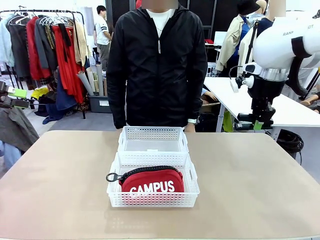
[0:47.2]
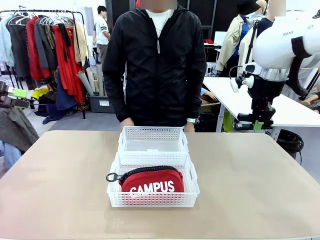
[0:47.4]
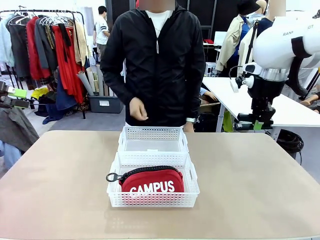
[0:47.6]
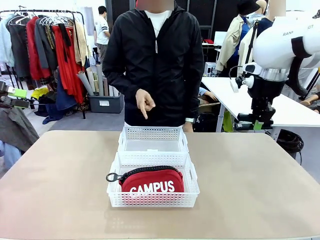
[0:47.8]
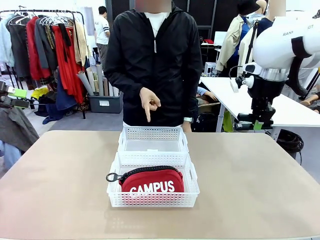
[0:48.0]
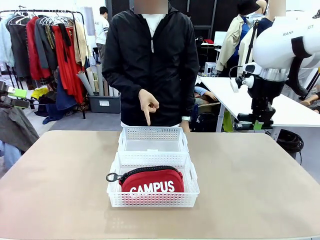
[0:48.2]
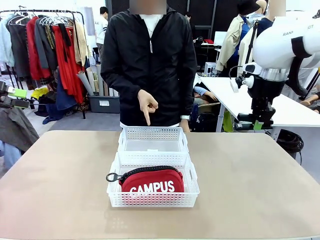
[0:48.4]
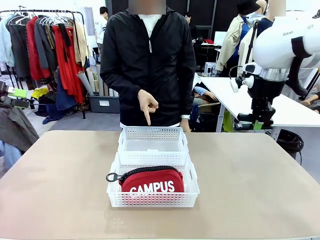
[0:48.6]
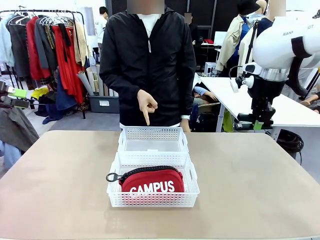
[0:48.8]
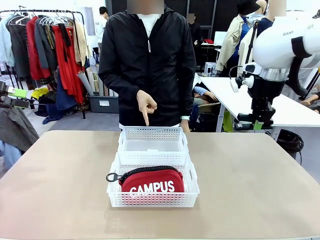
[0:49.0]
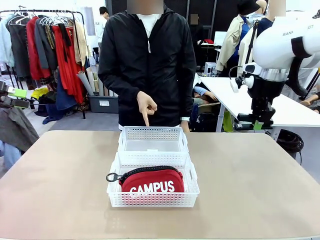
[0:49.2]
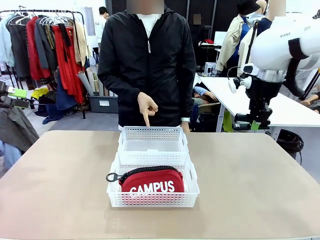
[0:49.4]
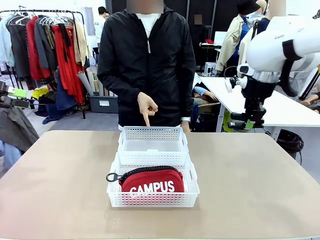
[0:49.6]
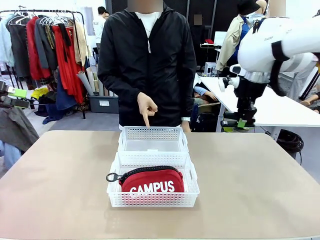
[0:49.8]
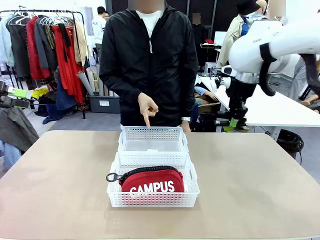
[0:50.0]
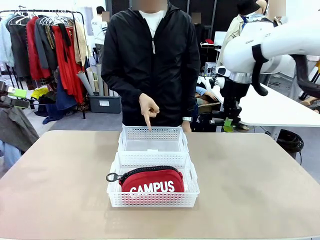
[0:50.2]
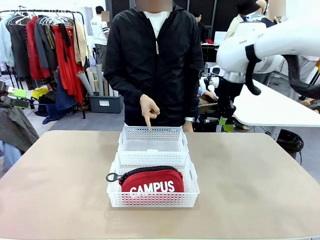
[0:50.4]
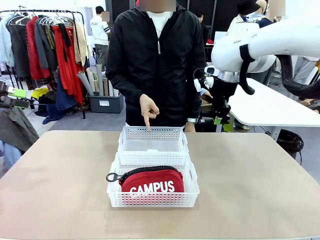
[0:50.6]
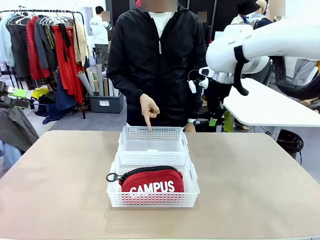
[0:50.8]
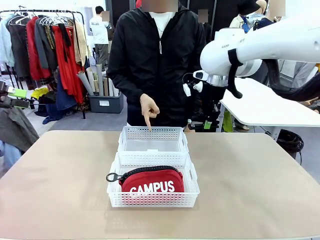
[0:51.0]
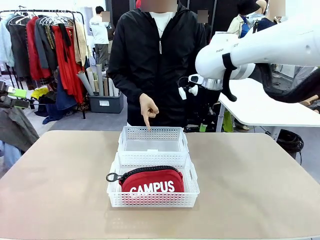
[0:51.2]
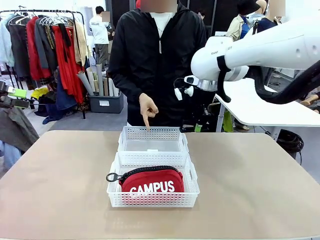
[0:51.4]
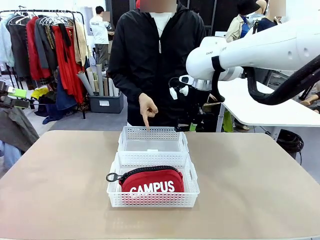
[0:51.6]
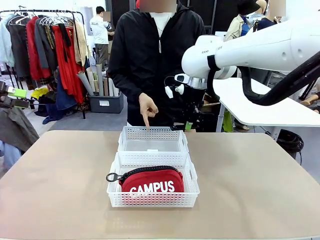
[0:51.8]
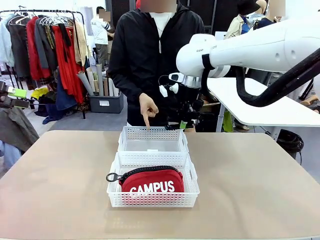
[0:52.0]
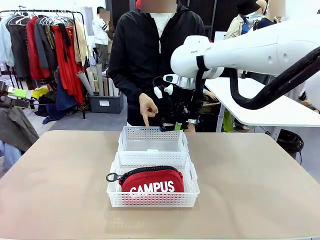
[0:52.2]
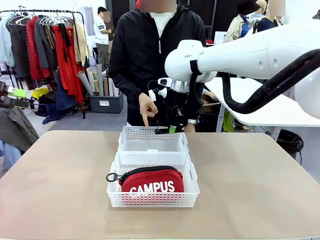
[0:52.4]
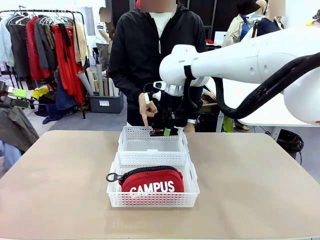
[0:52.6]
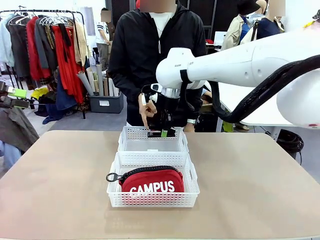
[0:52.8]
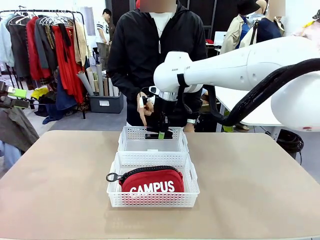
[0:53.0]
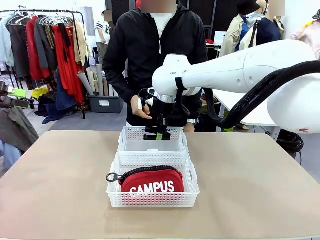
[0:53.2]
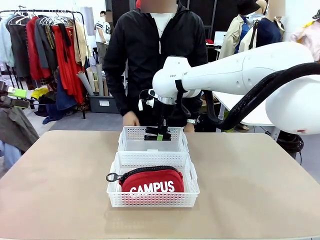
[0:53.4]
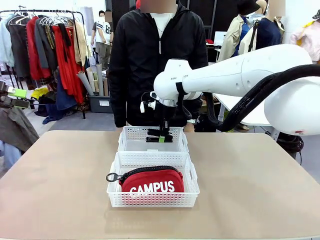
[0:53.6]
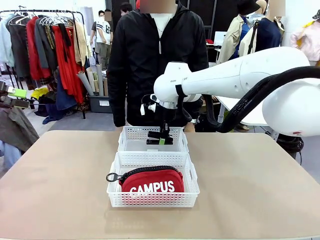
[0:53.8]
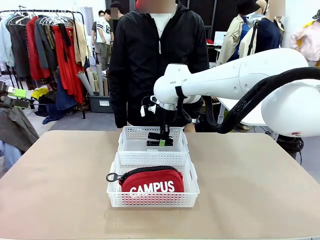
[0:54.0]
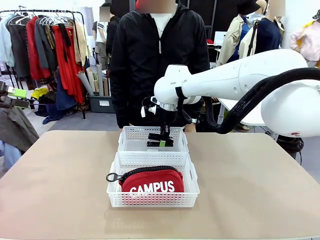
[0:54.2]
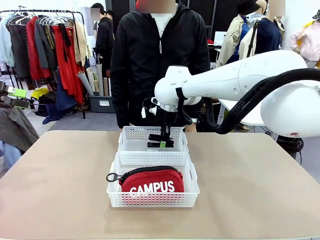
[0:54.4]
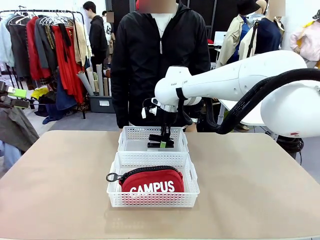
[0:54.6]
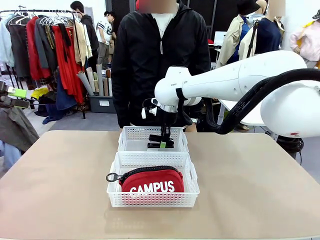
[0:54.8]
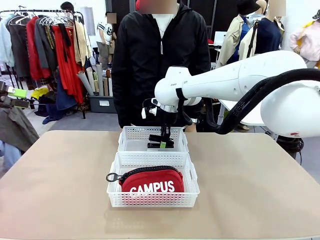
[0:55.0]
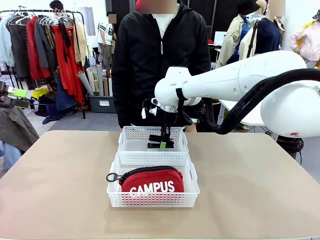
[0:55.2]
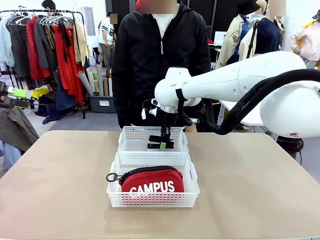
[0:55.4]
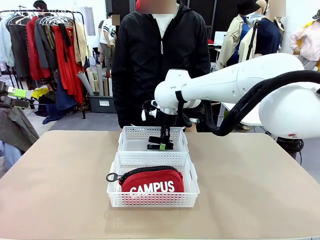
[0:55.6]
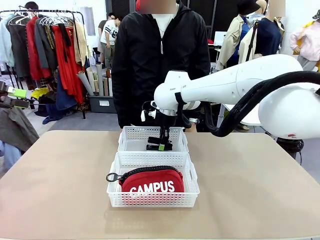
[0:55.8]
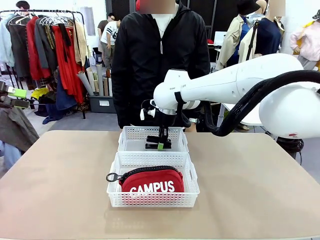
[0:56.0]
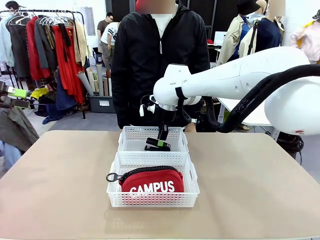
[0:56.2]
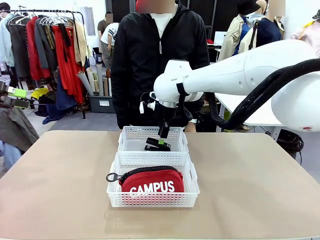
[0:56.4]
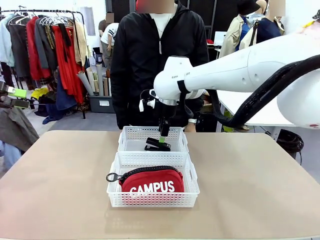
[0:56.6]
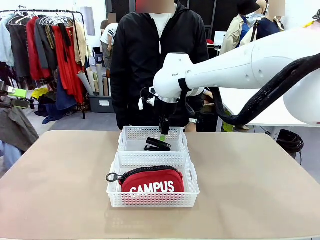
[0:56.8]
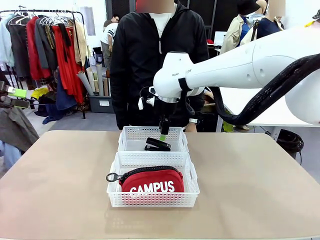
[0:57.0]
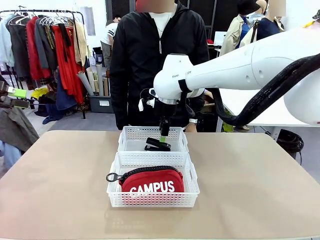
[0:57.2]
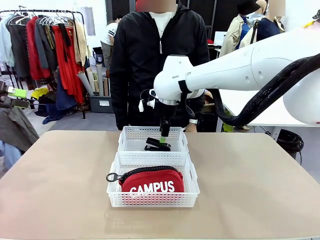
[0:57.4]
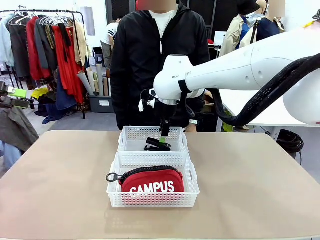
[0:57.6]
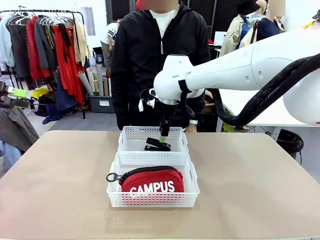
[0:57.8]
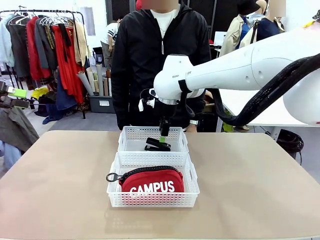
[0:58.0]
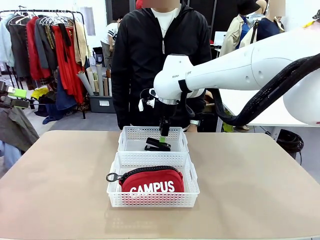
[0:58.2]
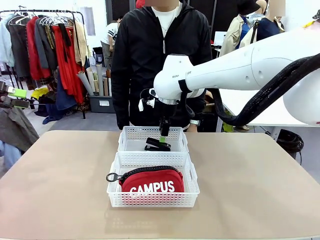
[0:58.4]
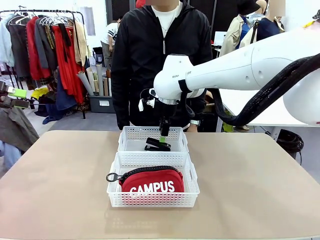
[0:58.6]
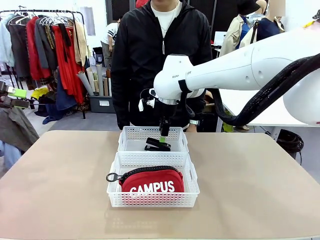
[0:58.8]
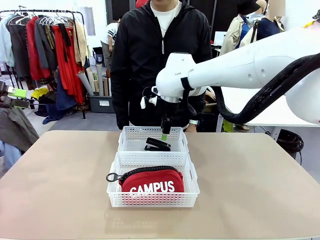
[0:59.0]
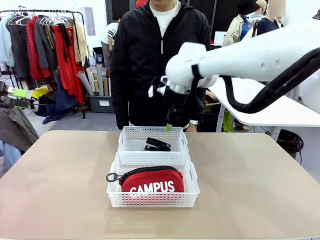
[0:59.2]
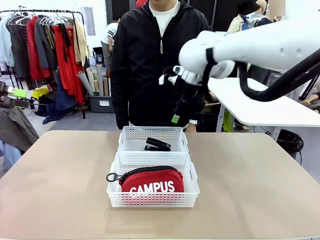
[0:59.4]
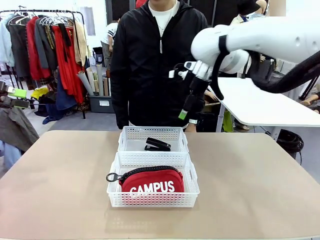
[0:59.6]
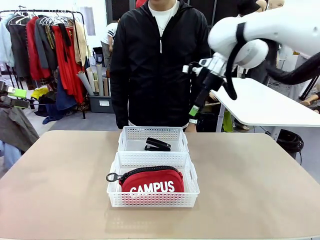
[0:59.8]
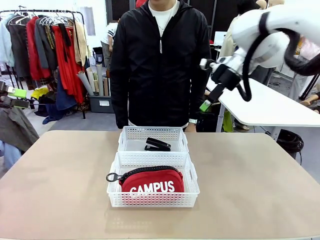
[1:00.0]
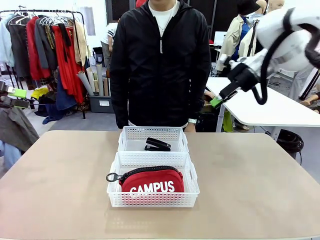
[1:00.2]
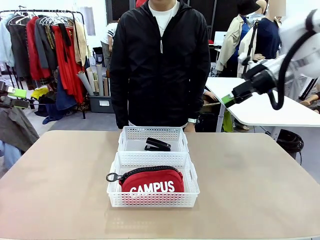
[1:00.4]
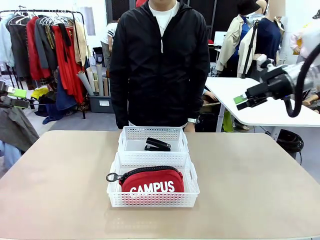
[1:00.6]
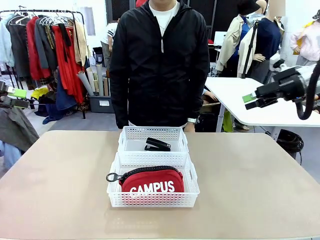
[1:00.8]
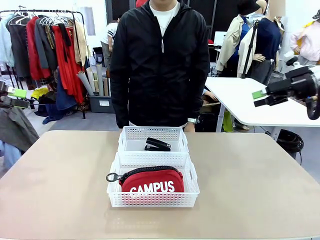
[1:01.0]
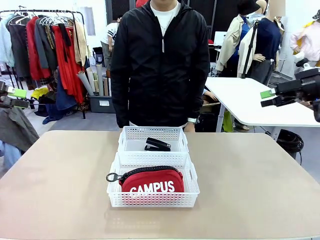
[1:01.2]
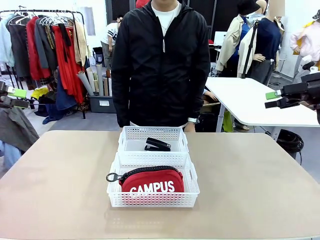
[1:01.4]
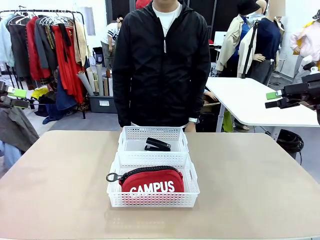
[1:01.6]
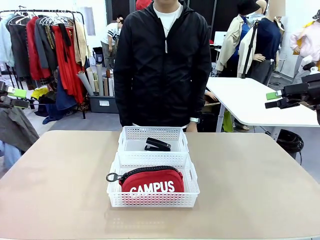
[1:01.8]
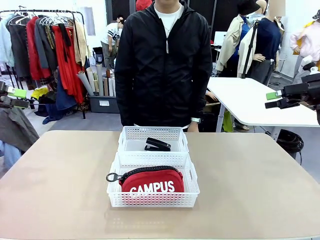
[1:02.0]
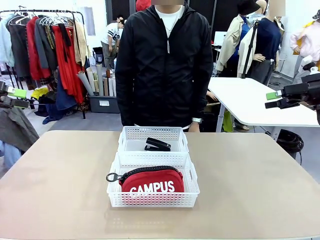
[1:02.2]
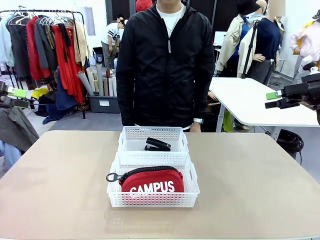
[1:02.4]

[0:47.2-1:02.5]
Task: Distribute items into two baskets.
Robot: Place the picked Stapler into the Organizing basket as instructed by the person.
Person: Points to the basket that does not contain the pencil case and instructs the robot to move the stapler there.

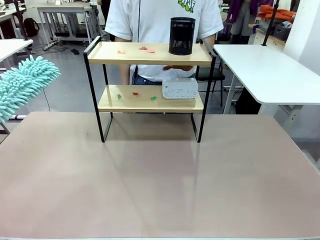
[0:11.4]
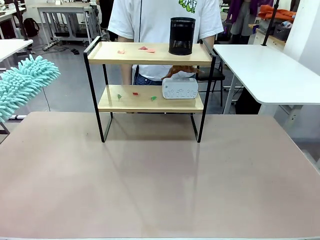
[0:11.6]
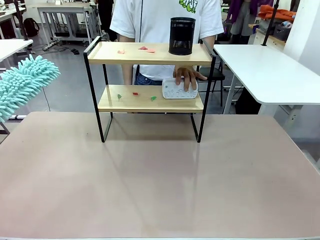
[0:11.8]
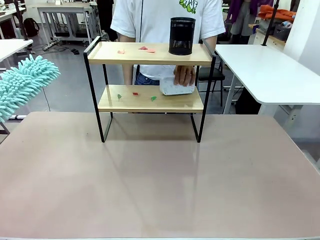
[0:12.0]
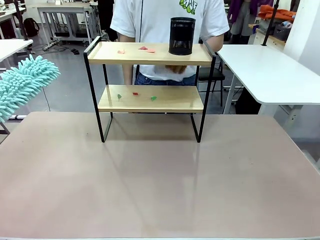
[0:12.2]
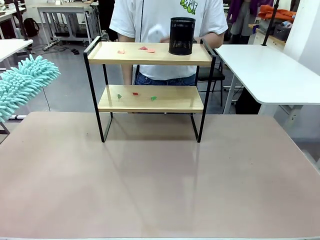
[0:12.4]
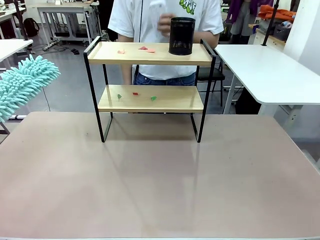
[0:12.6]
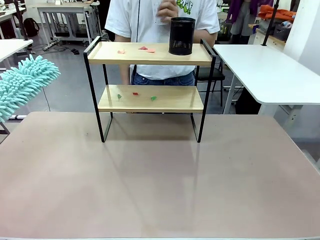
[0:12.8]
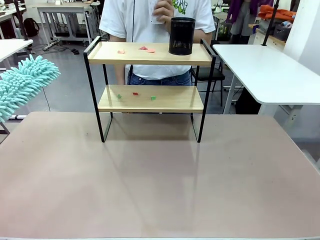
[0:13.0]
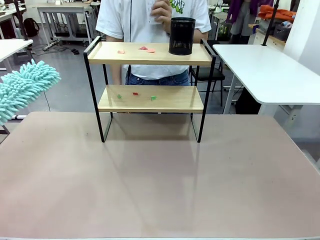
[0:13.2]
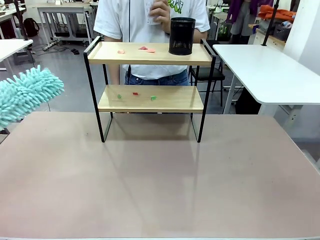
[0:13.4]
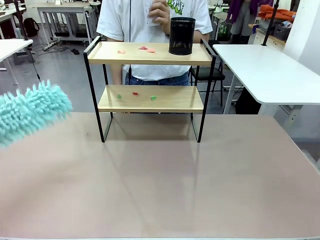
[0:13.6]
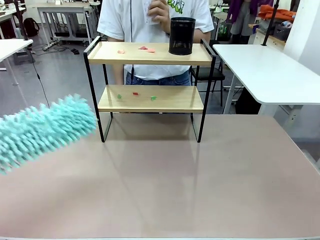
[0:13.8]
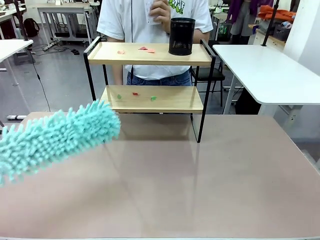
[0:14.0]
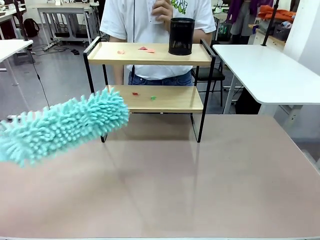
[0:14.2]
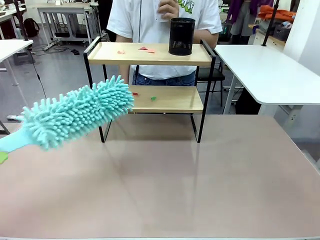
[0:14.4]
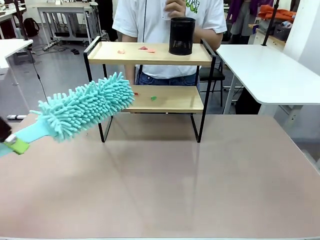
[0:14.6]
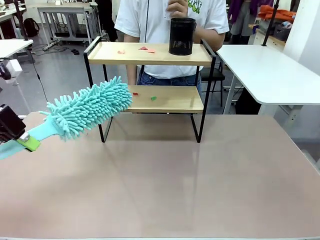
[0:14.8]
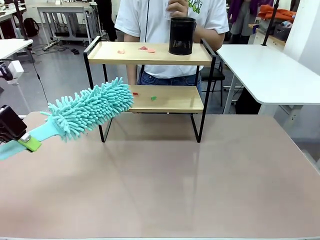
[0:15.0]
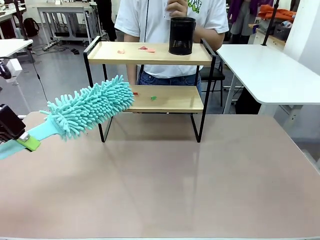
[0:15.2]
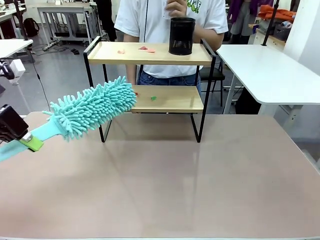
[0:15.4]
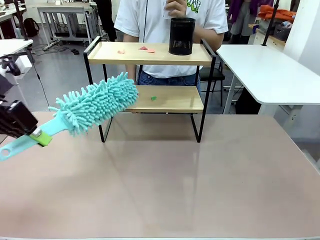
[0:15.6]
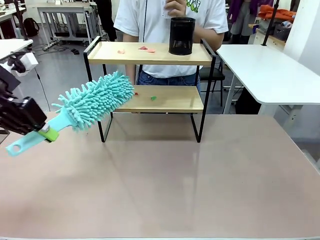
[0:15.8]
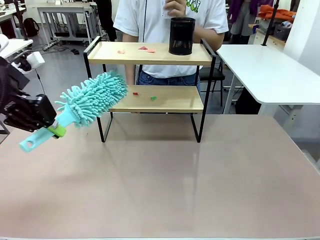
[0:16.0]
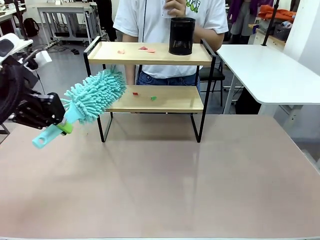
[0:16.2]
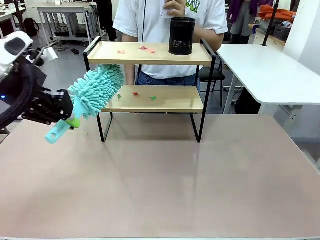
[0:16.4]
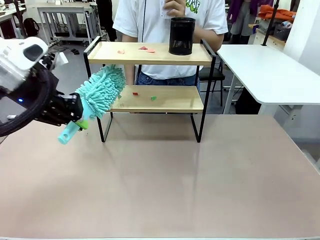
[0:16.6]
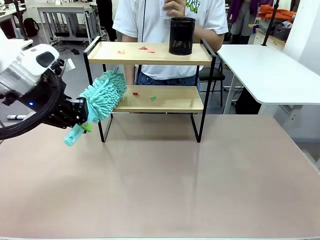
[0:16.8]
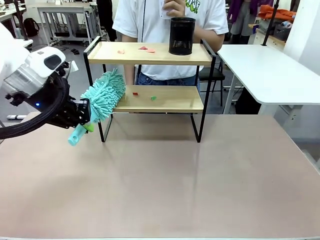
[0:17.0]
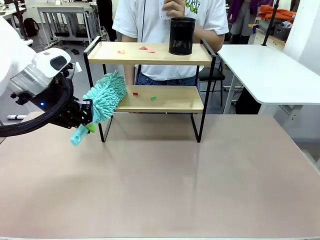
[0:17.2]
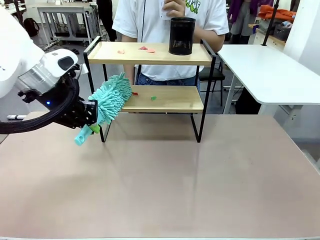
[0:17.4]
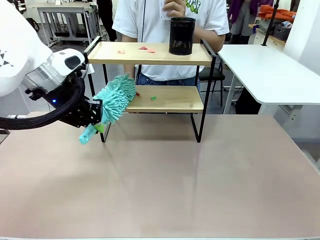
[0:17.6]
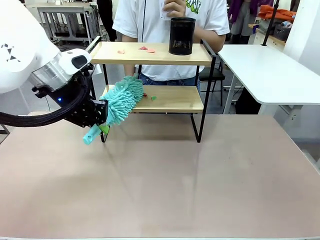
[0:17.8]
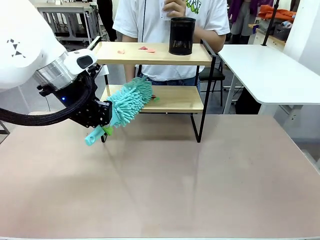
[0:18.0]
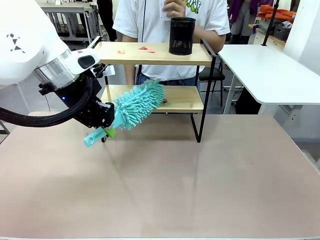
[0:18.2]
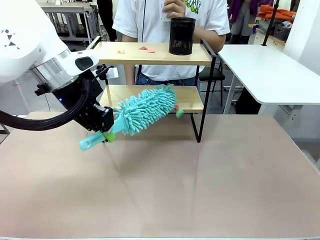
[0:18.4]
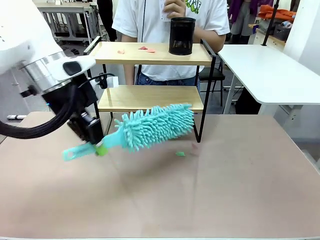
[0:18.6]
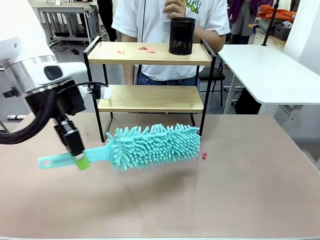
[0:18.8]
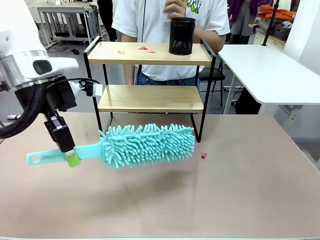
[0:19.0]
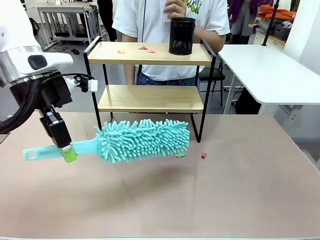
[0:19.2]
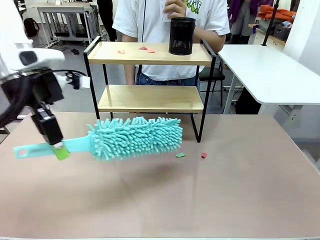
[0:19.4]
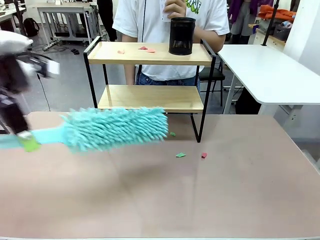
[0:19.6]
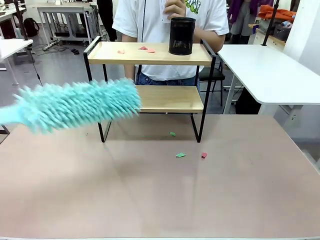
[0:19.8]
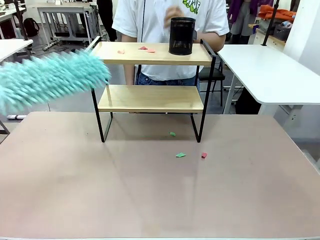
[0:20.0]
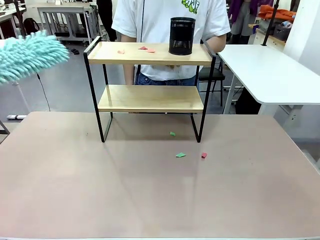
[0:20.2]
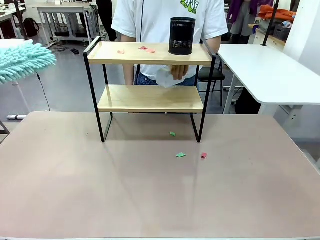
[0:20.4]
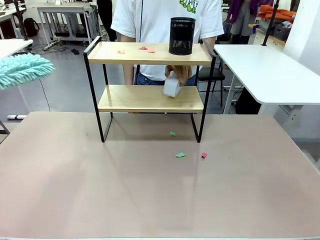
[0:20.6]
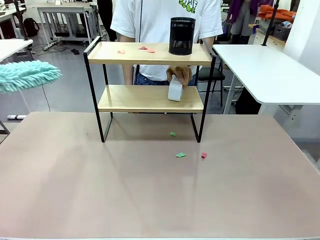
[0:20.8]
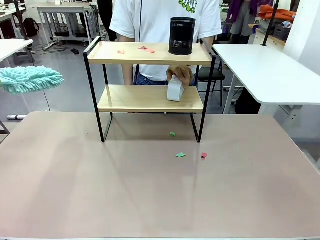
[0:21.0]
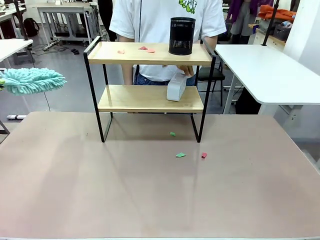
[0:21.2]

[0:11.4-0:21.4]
Task: Clean the shelf.
Robot: Clean the specific tier of the Shelf with the Duster once objects are removed.
Person: Lift the objects on a randomly selected tier of the Shelf. Once the robot finishes cleaning, lift the objects on the remaining tiers of the Shelf.
